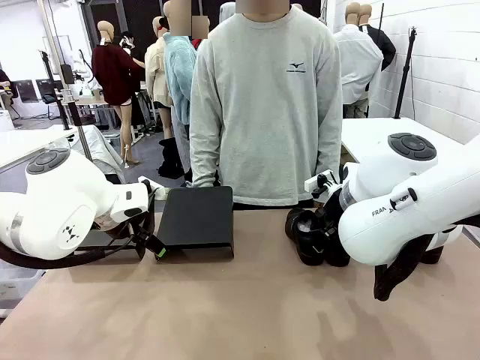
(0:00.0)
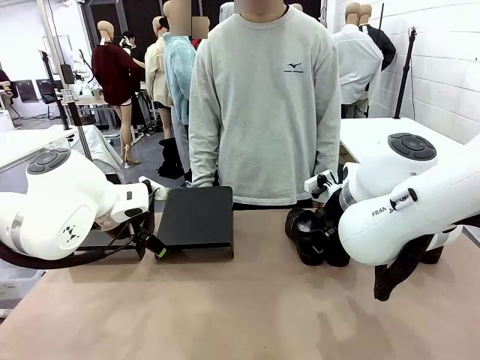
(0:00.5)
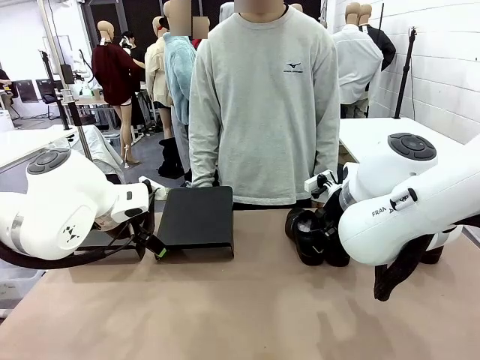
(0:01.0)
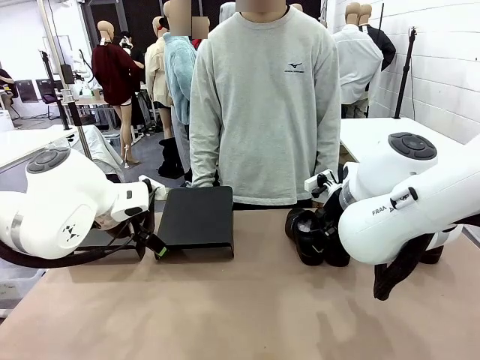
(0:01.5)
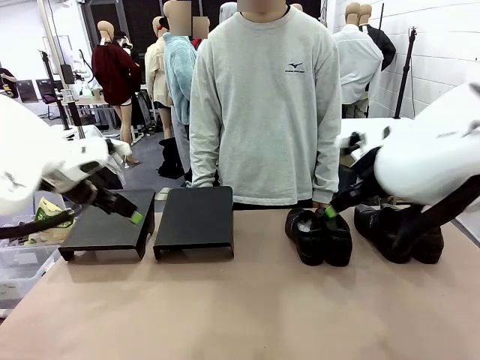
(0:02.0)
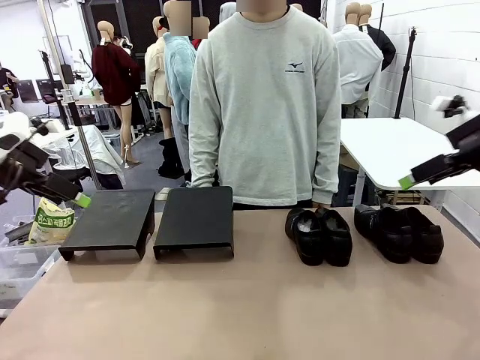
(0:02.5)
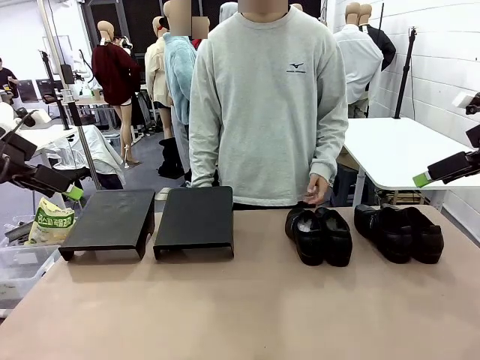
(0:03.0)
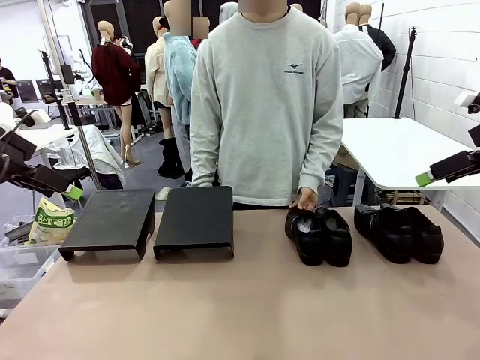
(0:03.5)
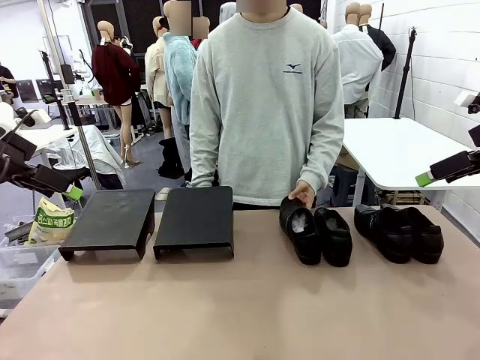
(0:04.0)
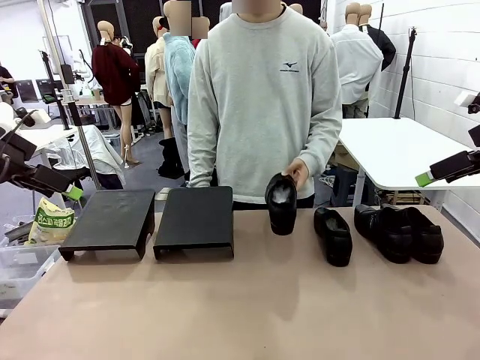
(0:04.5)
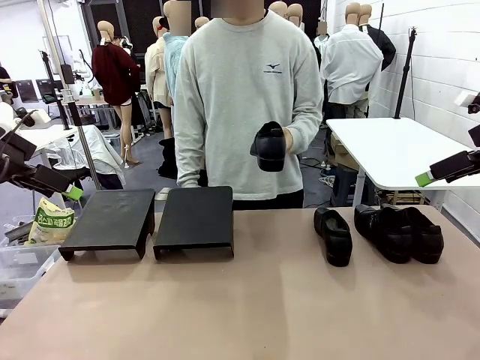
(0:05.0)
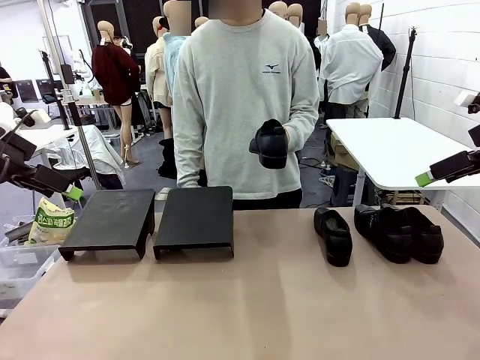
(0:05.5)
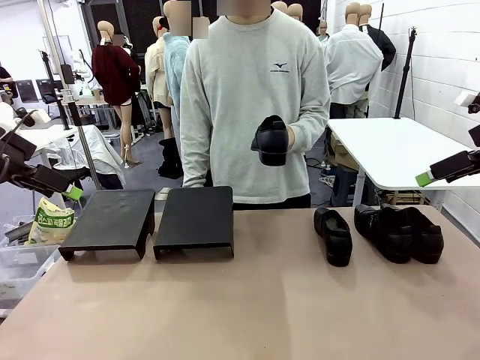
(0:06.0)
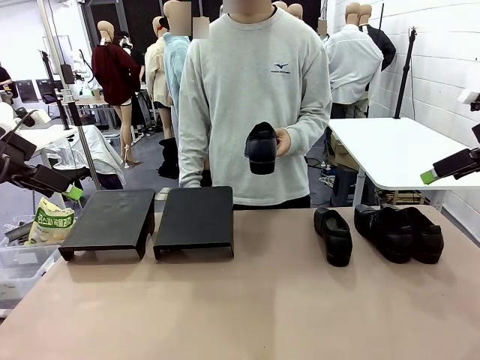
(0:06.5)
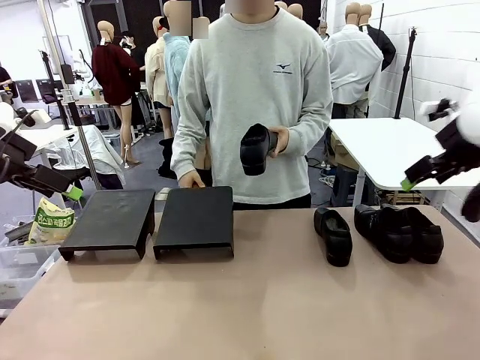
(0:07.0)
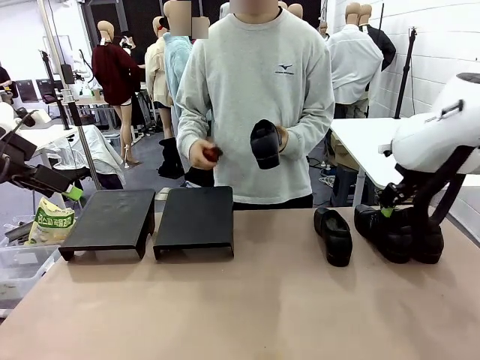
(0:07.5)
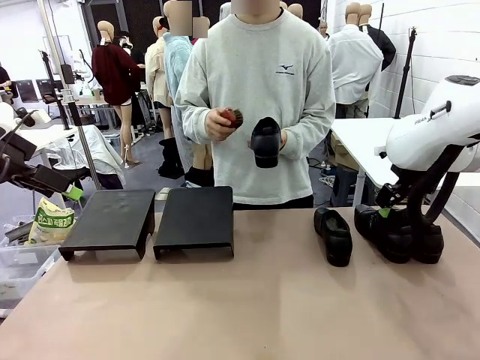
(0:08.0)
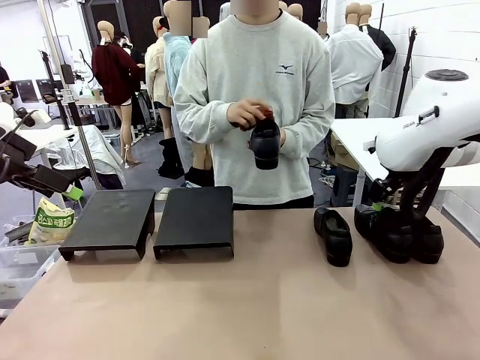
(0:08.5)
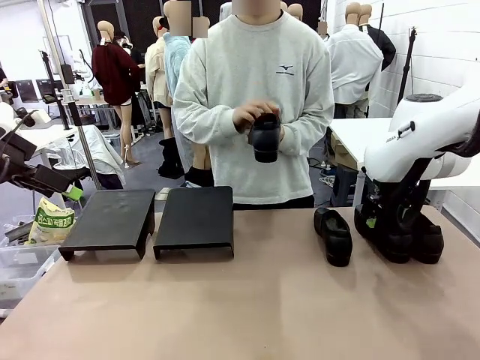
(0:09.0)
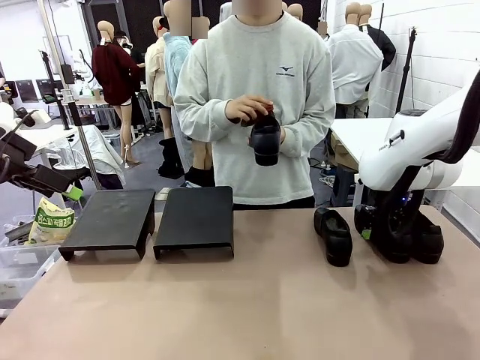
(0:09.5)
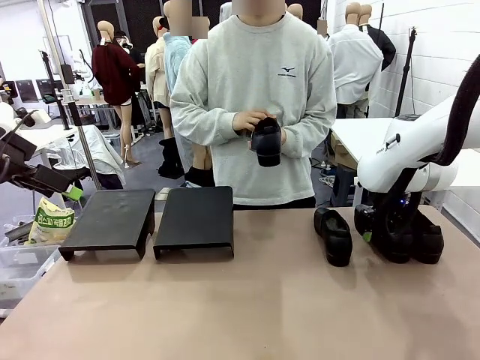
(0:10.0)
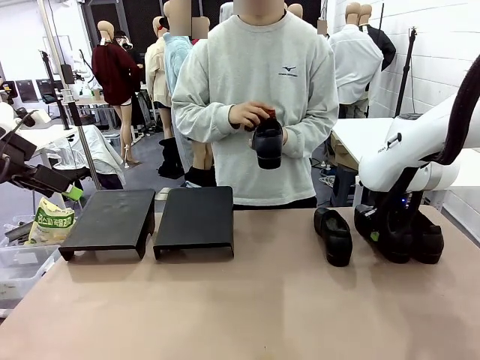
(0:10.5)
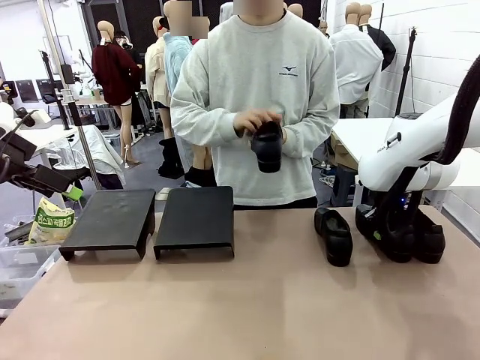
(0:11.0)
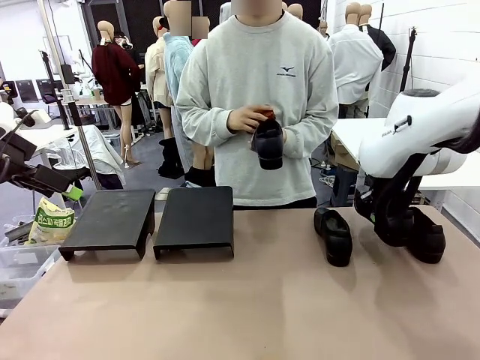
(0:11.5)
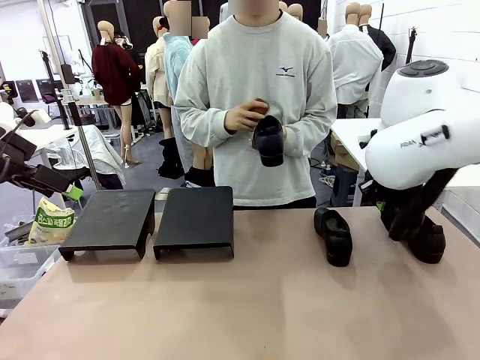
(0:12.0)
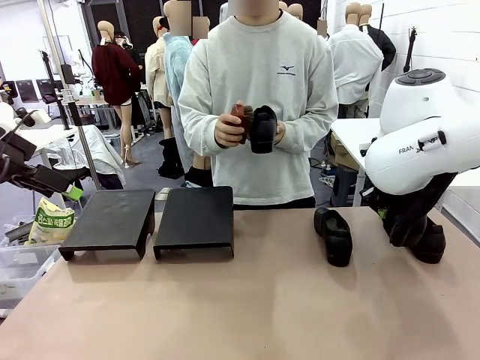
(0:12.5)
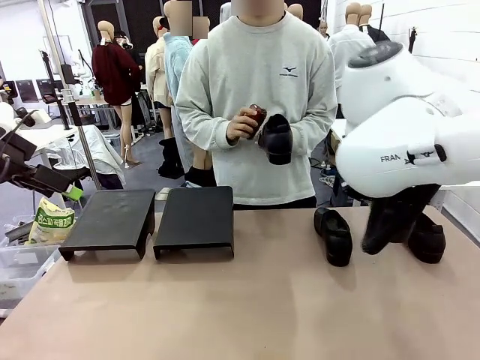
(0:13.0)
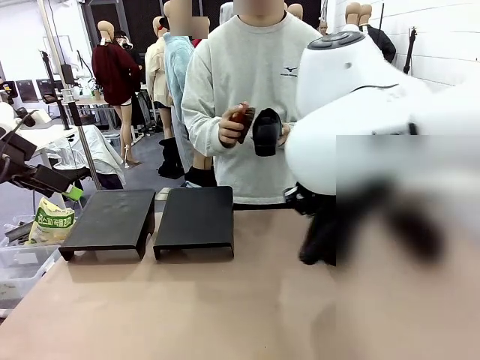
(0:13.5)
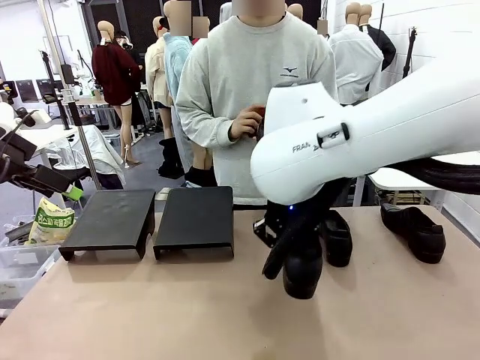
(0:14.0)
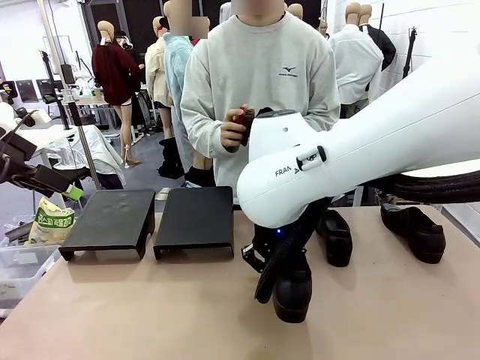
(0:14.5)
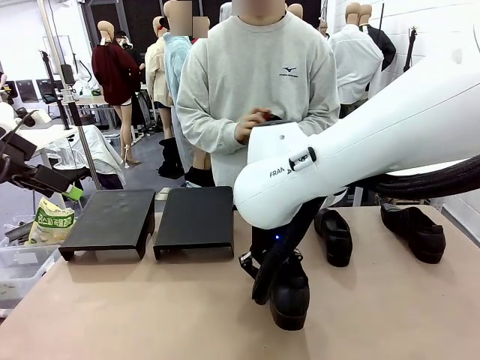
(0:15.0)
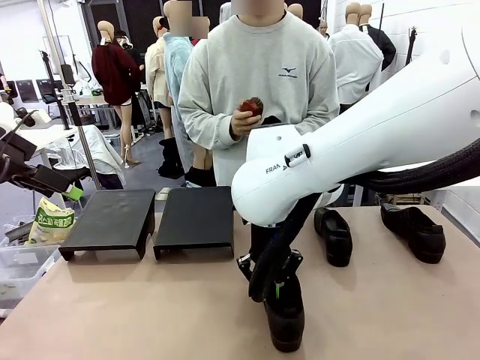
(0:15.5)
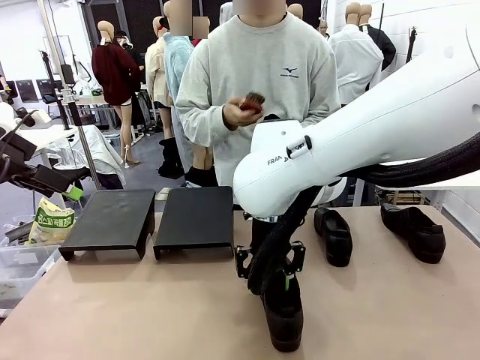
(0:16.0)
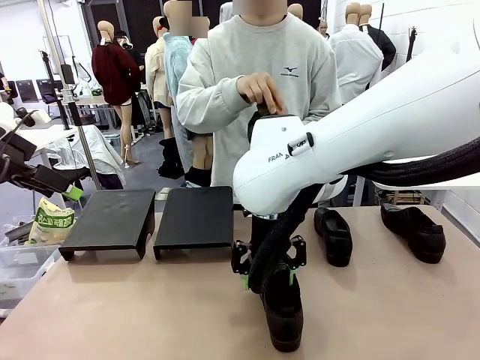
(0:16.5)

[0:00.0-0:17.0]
Task: Organize the shoes by placing them on the stand.
Robot: Pick up one Shoe and place it in the middle of the table.
Person: Pick one Shoe on Robot's table.

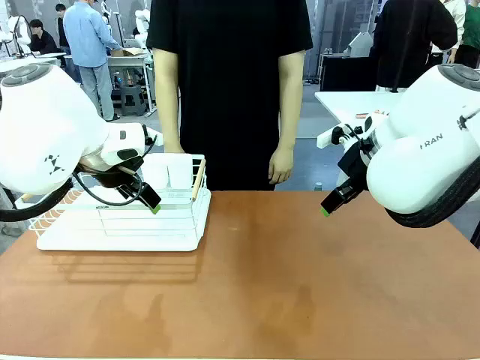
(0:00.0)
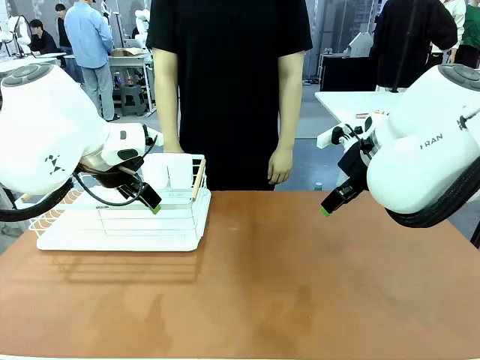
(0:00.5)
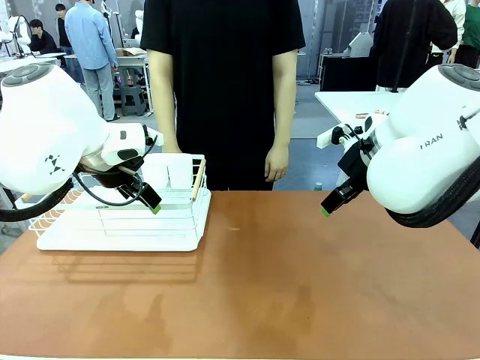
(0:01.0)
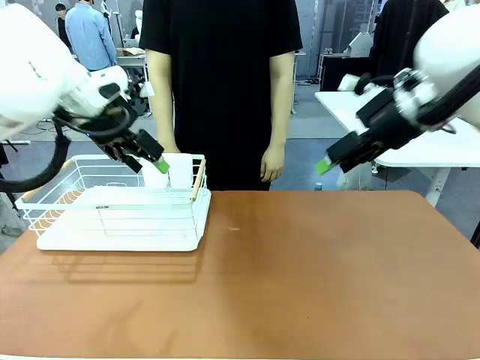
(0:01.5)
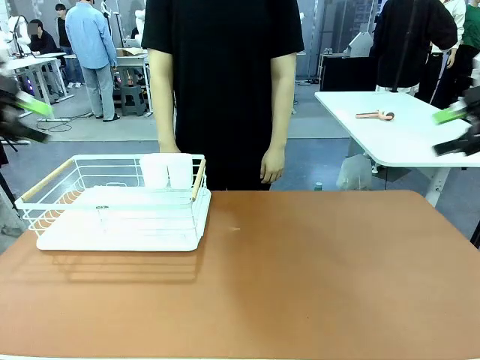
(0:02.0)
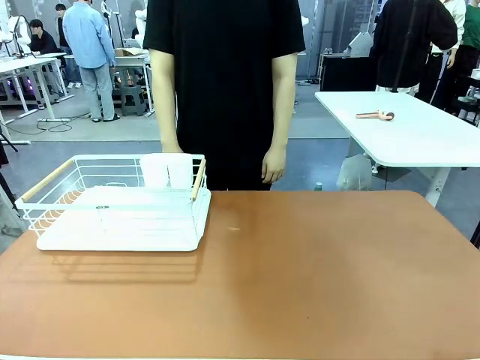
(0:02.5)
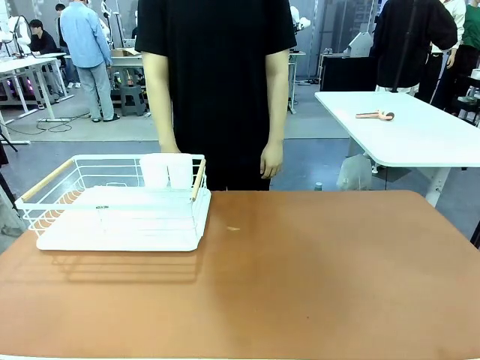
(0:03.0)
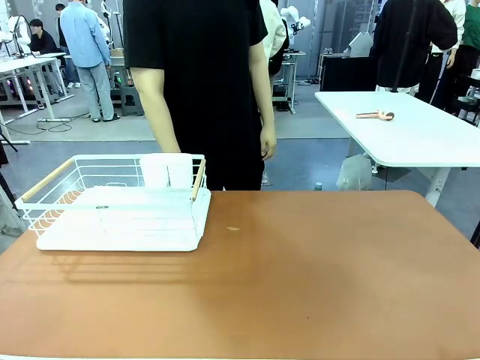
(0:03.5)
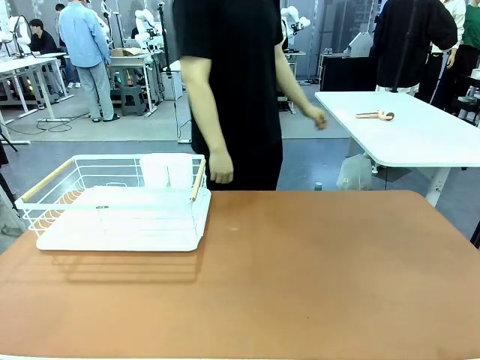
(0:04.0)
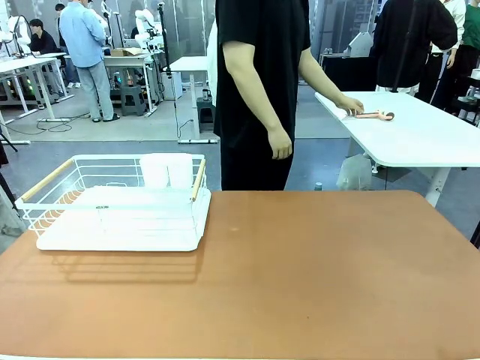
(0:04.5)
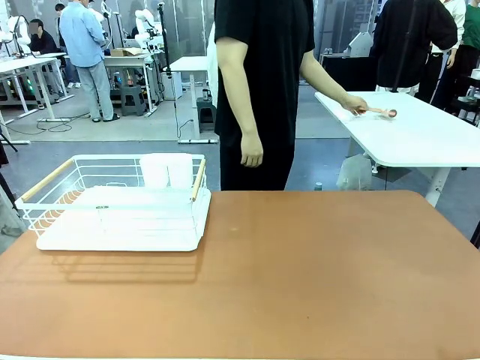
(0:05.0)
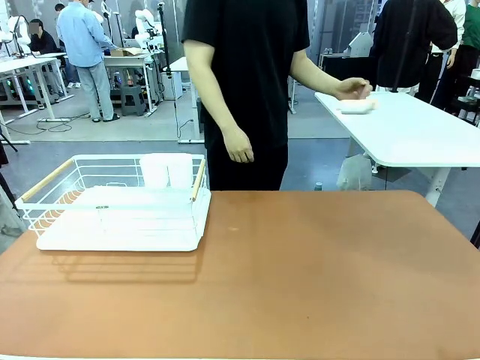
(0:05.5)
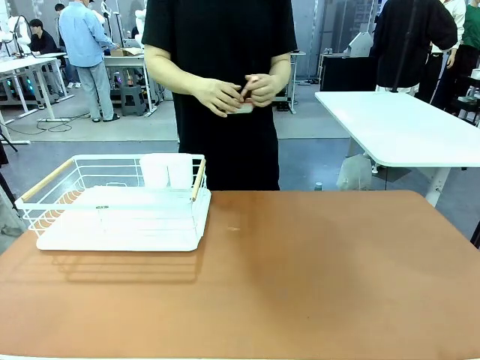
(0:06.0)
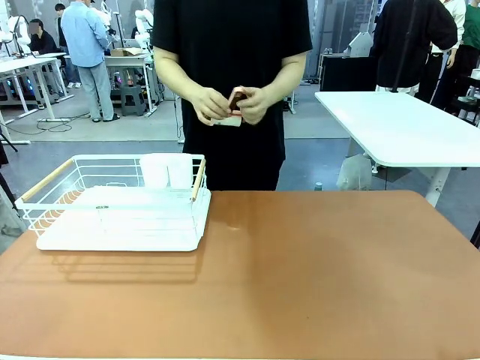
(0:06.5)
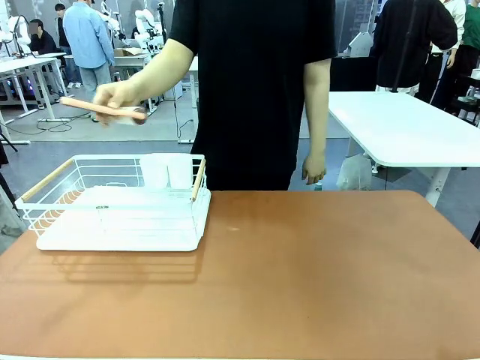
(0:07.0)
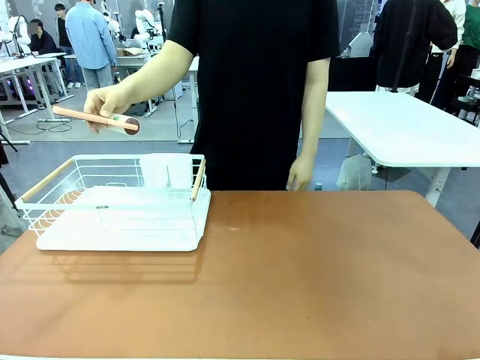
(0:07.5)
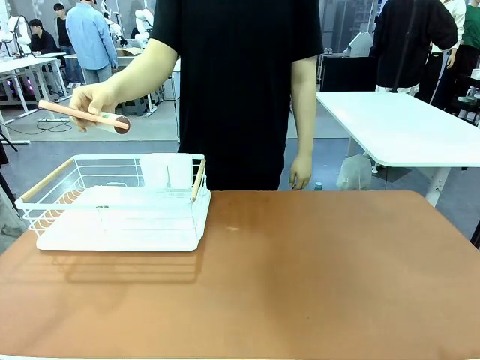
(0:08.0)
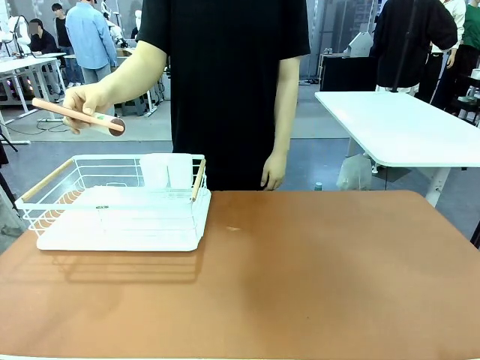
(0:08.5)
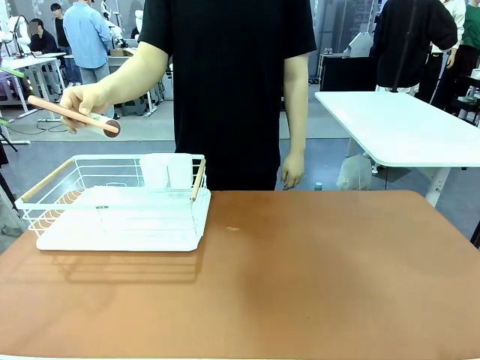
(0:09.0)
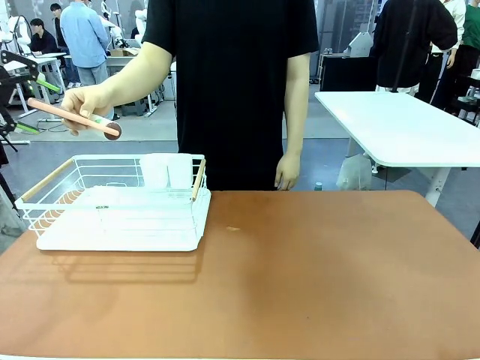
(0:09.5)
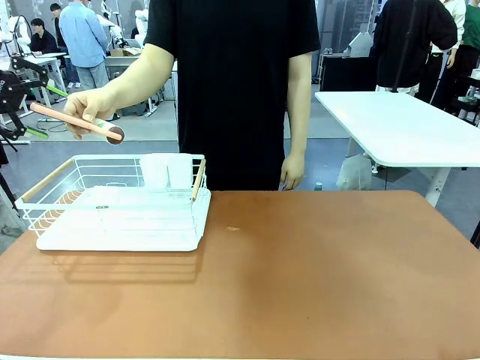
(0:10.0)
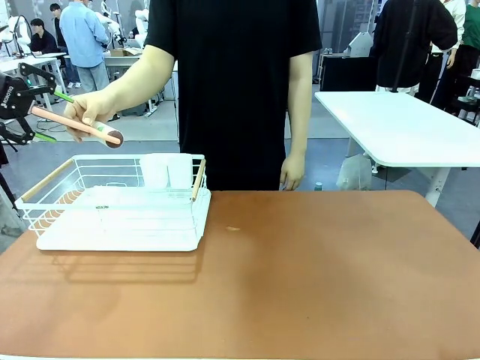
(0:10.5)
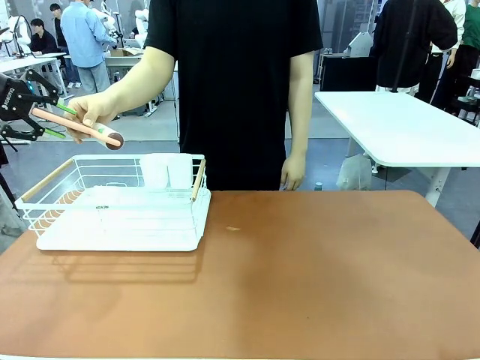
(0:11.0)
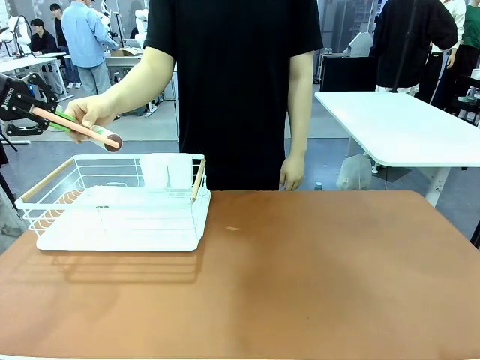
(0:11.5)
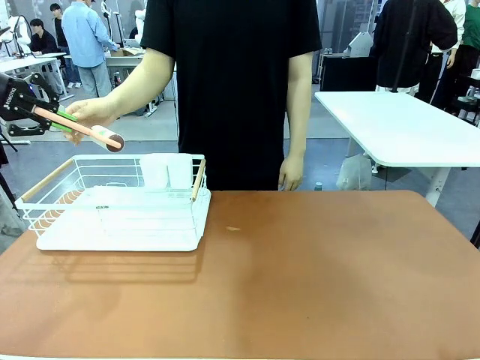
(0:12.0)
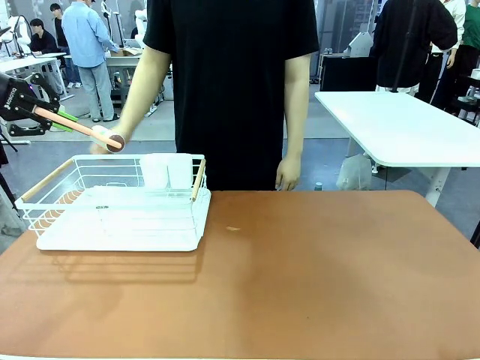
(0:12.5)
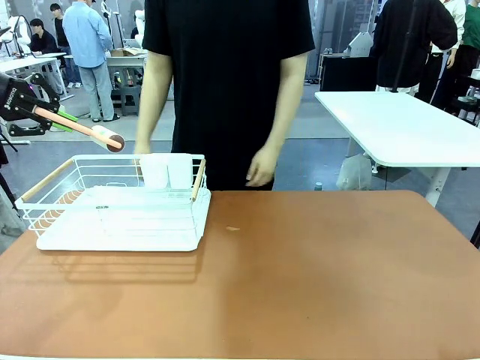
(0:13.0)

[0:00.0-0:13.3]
Task: Clean the table.
Robot: Pick up the Lint Roller when the human hands it over.
Person: Hand the Lint Roller to the robot so it can easily pick it up. Lift the Dish drying rack.
